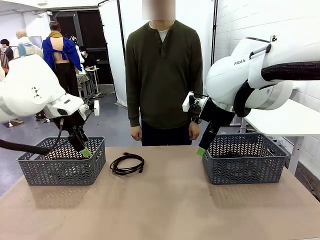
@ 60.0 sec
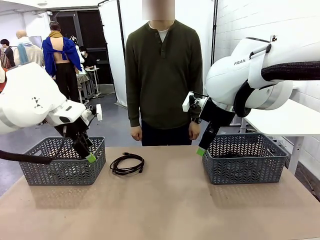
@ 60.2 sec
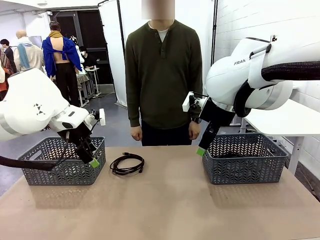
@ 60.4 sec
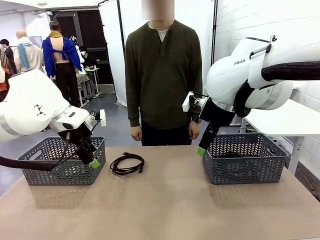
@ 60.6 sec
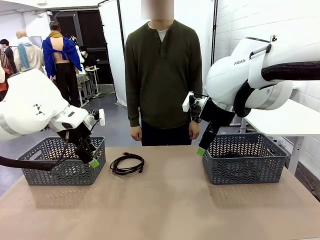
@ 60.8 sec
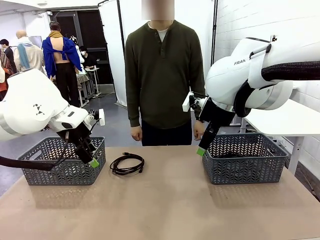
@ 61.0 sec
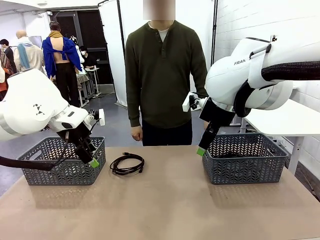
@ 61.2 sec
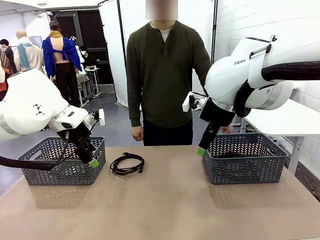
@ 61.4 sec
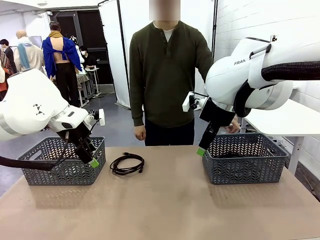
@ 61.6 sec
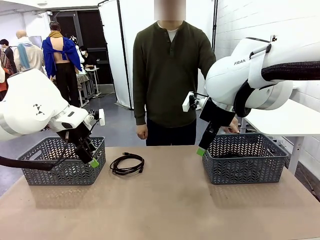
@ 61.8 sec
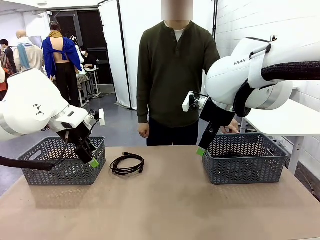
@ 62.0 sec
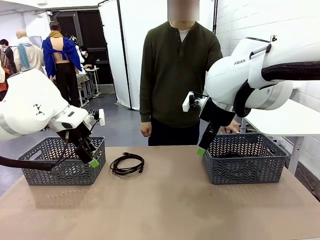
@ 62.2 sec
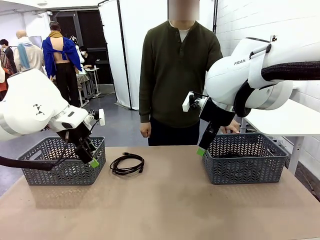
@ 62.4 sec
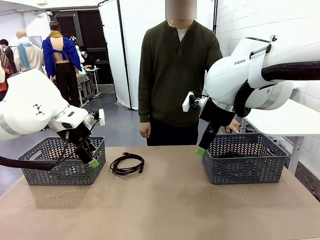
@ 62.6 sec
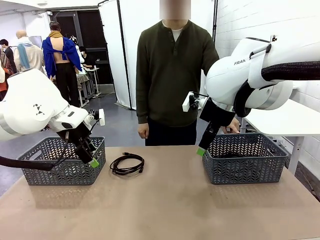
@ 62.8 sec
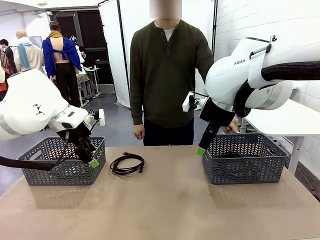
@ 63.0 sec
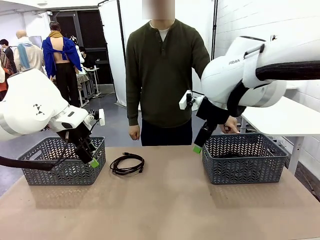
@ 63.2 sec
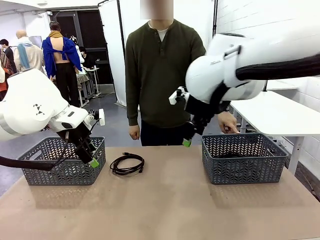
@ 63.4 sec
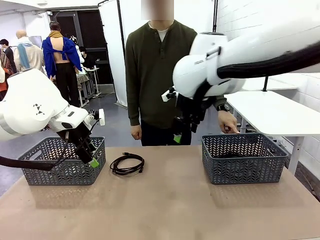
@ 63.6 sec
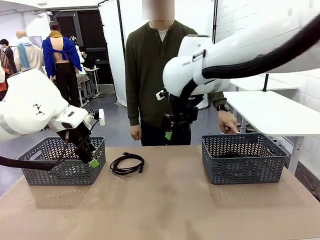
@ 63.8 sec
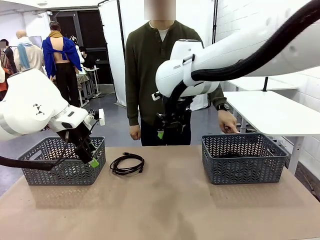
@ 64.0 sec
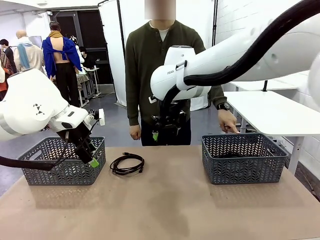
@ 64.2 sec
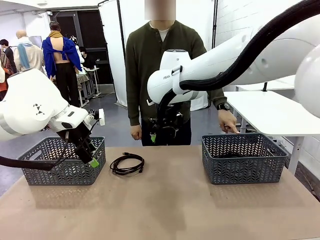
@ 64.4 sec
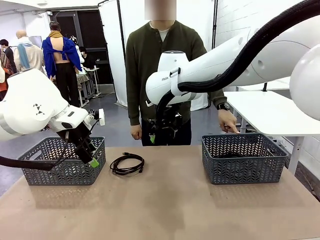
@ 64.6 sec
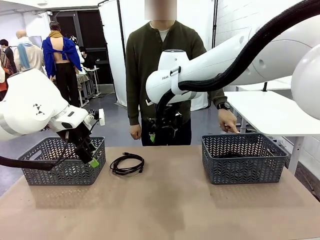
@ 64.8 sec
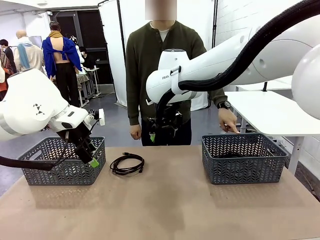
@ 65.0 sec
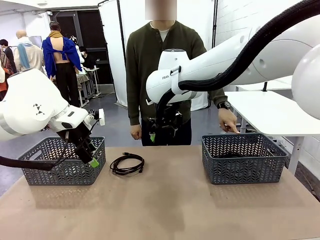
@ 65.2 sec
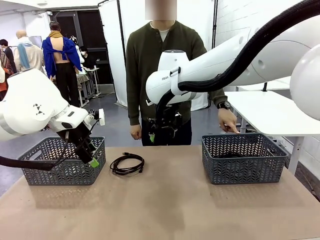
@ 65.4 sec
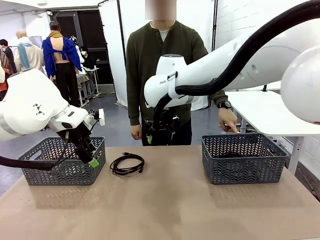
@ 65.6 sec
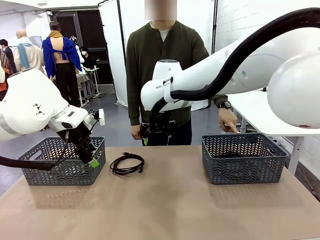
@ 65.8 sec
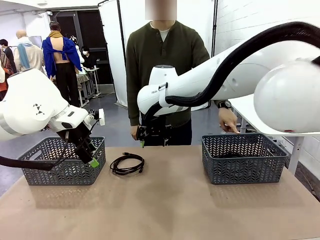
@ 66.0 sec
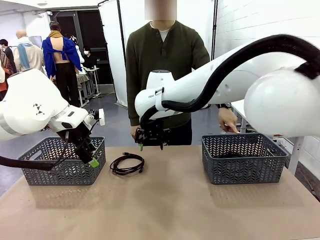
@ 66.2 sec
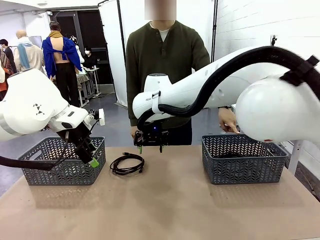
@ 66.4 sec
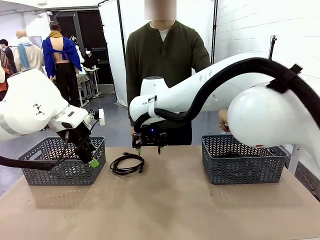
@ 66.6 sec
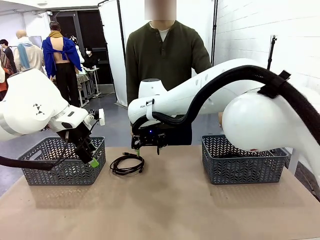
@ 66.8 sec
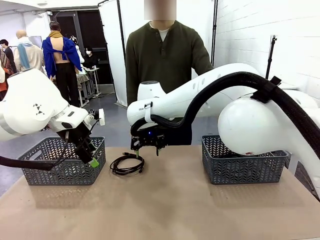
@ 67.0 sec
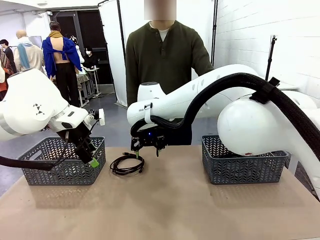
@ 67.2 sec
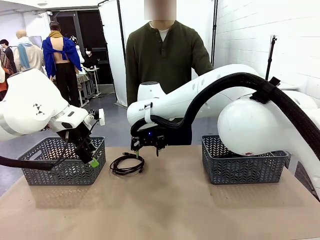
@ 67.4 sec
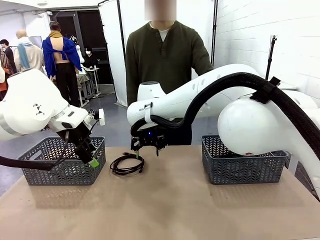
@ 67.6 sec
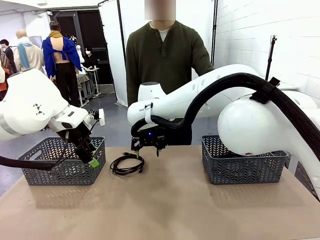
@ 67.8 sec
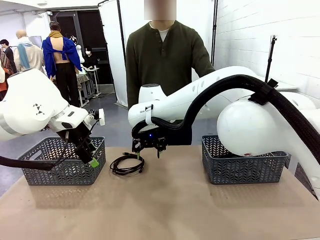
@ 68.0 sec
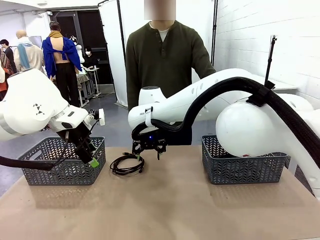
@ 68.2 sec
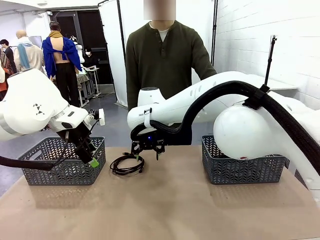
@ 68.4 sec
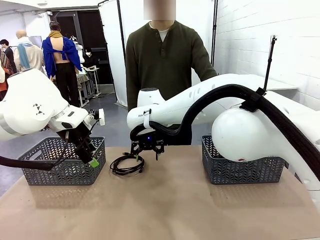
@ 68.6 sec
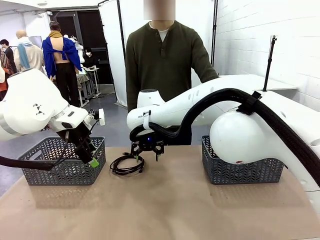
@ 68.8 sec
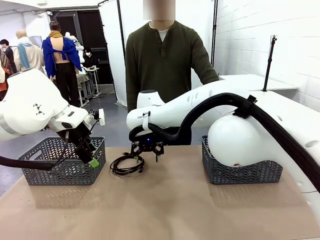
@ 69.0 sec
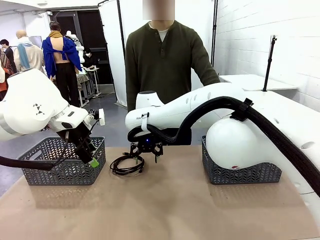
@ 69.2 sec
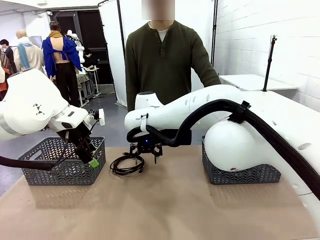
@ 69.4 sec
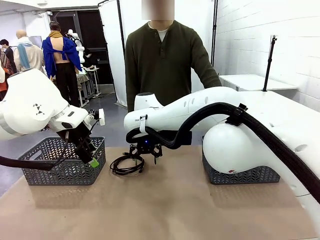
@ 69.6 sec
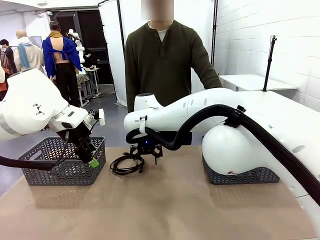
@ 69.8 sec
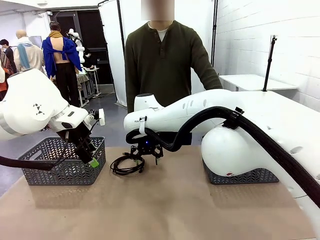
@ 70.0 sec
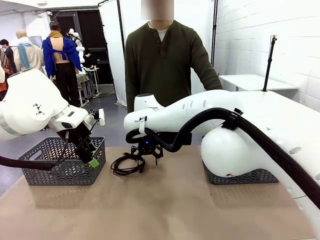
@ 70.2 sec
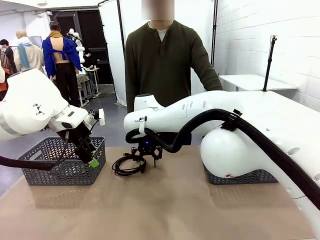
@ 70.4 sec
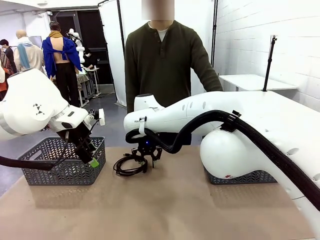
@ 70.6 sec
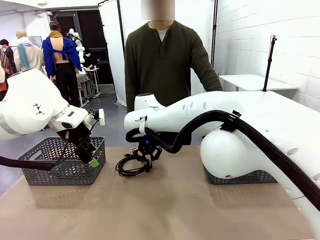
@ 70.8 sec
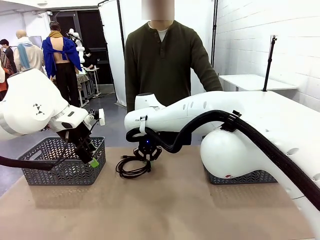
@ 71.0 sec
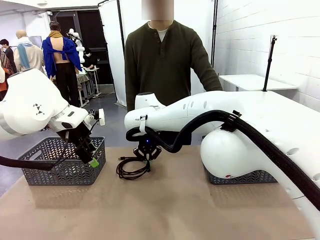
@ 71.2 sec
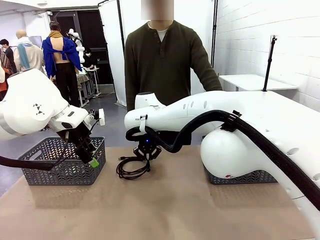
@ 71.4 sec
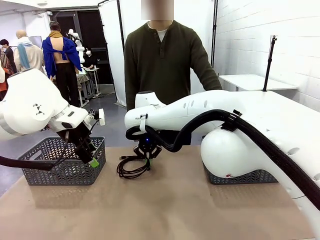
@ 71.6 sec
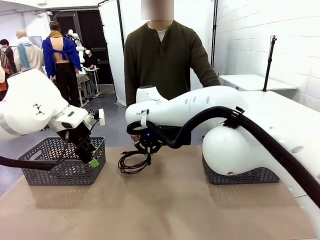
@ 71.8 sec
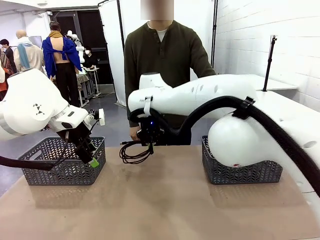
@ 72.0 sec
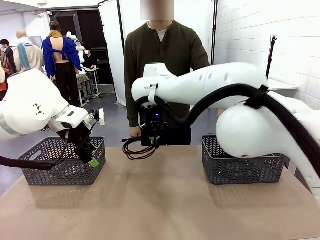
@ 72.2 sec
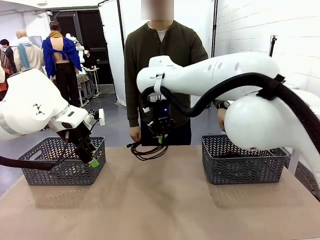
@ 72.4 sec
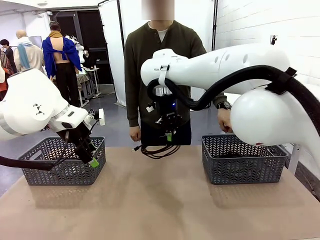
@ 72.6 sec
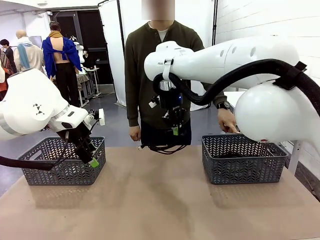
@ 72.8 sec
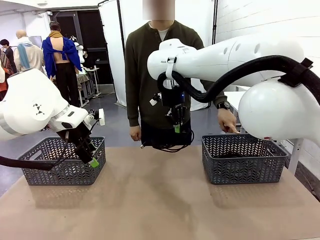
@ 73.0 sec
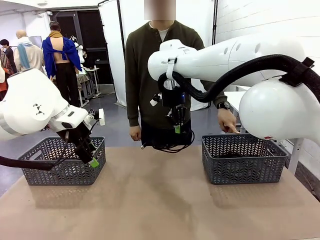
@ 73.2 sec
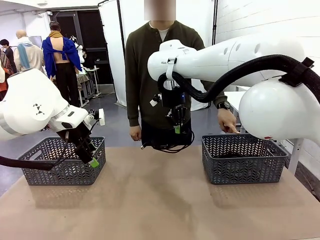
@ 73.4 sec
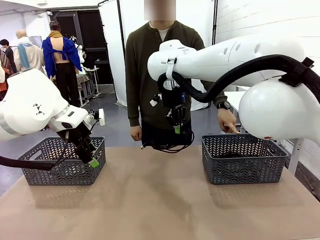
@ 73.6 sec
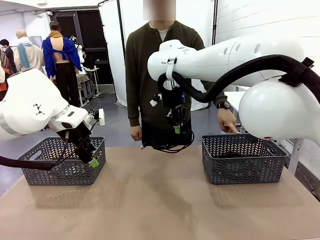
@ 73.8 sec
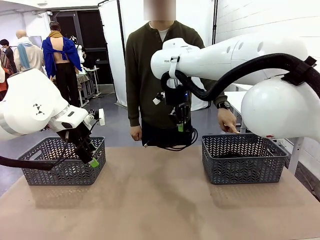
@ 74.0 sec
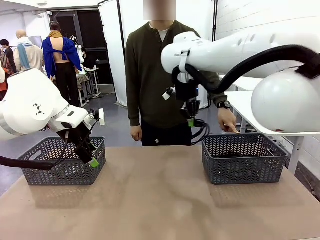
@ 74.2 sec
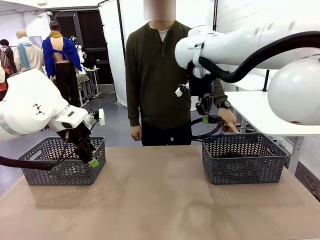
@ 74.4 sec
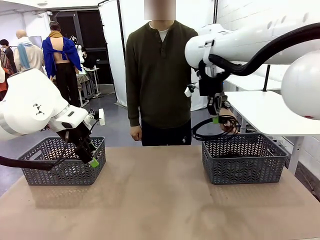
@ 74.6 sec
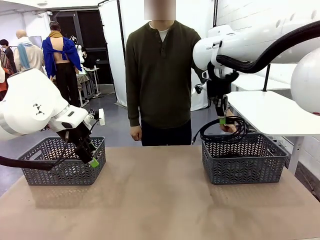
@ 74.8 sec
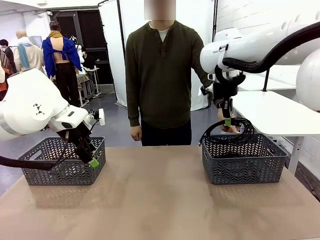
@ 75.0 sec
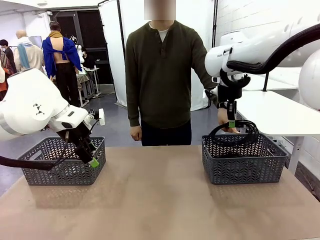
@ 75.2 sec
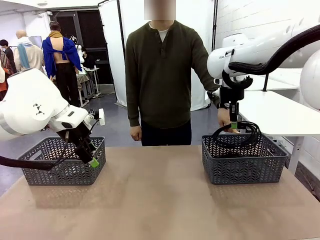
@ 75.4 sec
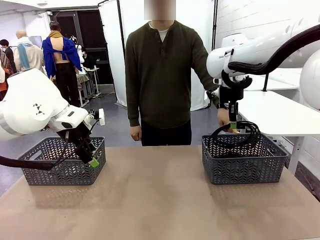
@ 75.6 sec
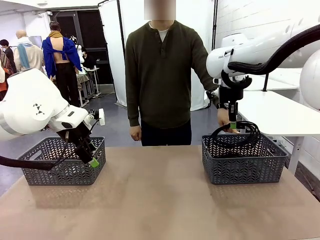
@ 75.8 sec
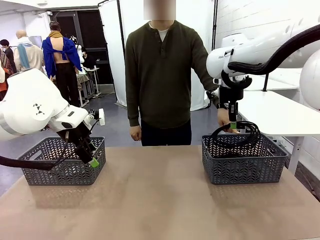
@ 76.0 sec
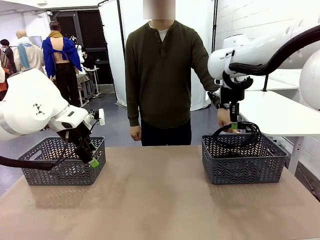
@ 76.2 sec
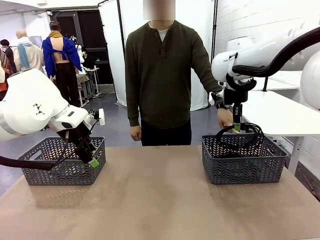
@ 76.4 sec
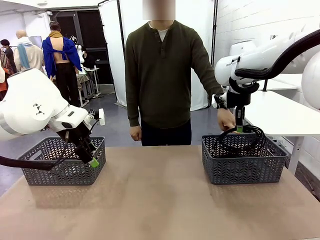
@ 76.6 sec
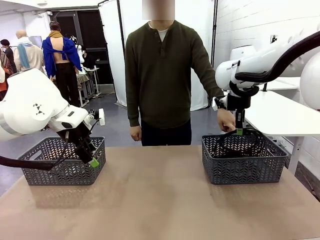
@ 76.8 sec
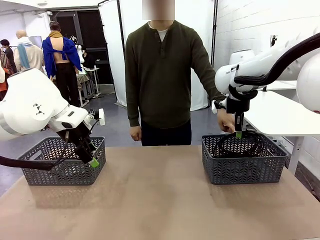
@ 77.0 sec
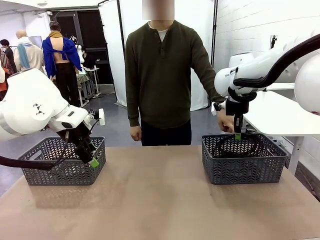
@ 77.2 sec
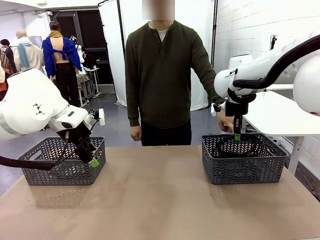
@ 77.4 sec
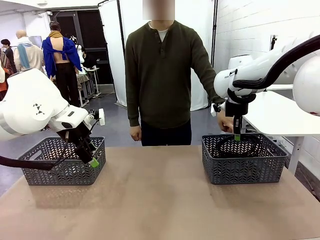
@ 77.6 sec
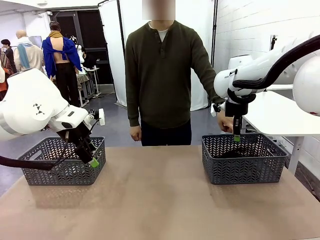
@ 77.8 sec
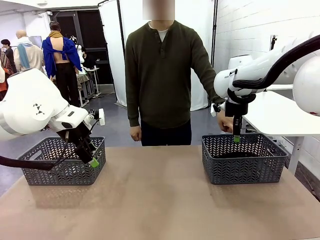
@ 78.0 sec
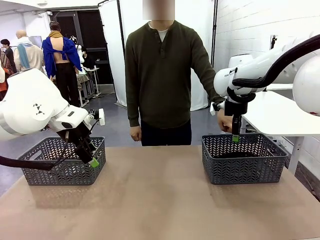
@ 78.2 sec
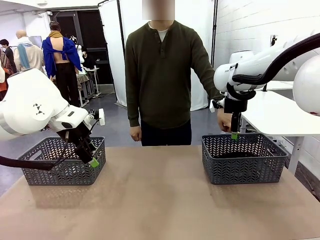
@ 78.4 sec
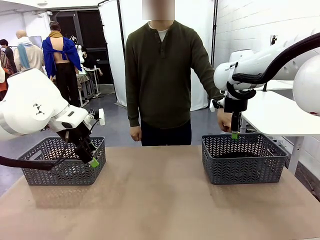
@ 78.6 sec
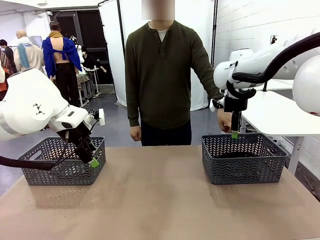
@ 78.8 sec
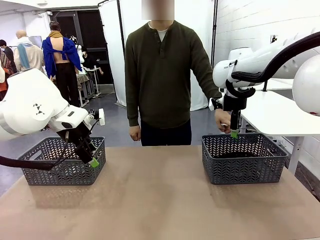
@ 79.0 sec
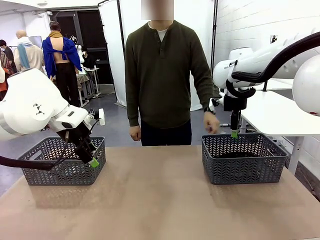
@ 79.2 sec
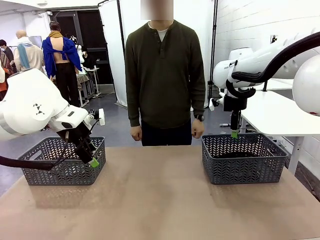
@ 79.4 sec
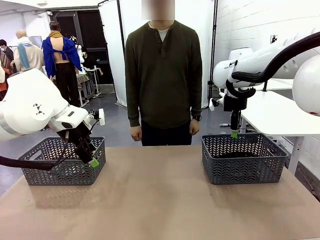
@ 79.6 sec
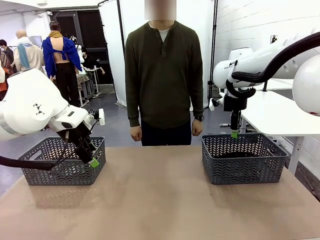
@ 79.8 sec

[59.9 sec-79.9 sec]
Task: Organize the cables according to human instructions.
Robot: Pick up a bundle of cables and place it in the basket indicated by the human.
